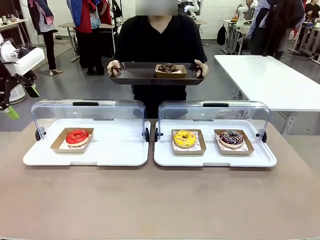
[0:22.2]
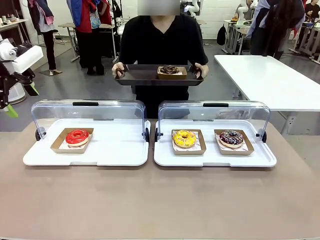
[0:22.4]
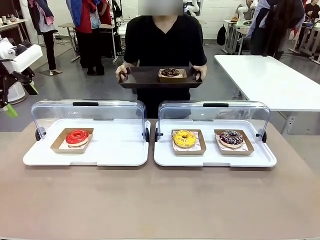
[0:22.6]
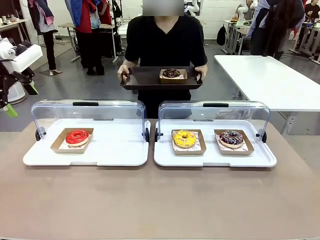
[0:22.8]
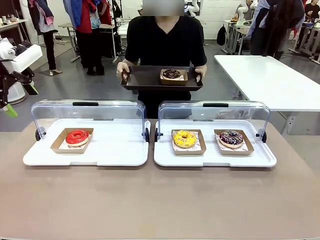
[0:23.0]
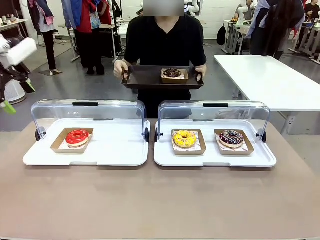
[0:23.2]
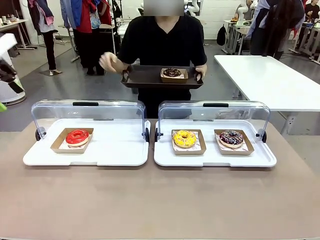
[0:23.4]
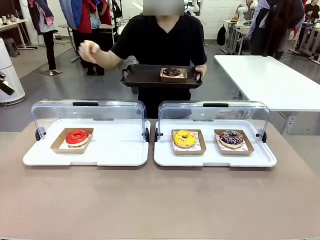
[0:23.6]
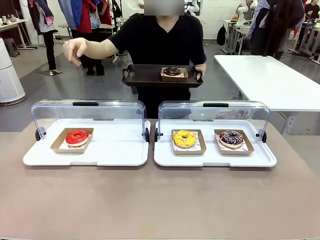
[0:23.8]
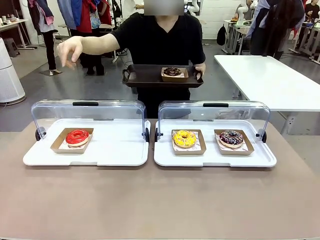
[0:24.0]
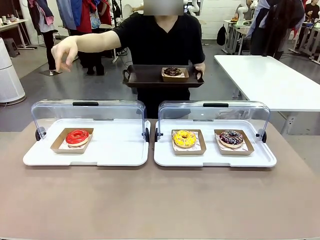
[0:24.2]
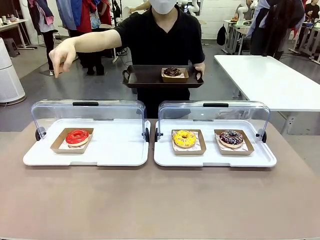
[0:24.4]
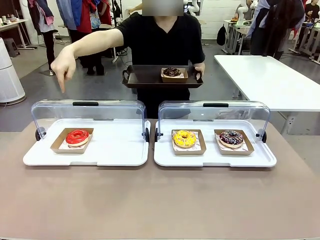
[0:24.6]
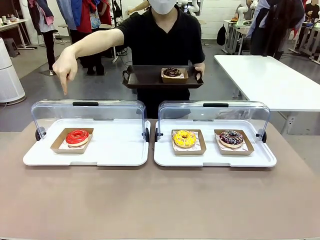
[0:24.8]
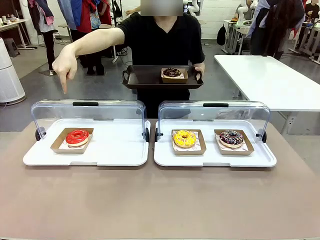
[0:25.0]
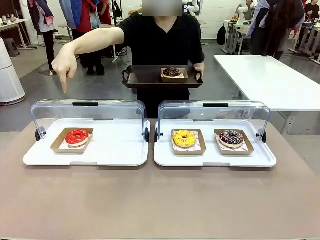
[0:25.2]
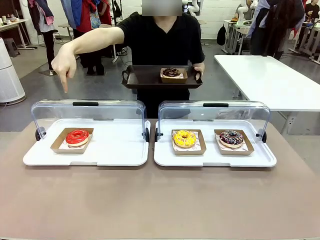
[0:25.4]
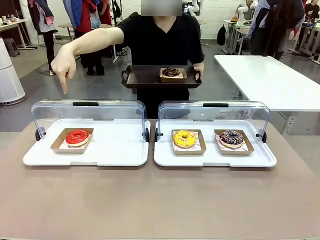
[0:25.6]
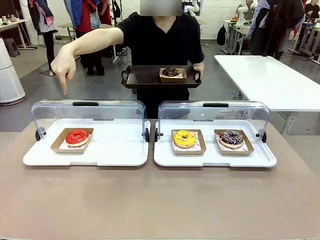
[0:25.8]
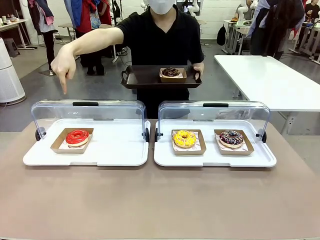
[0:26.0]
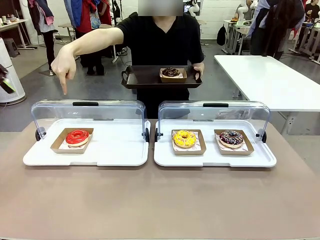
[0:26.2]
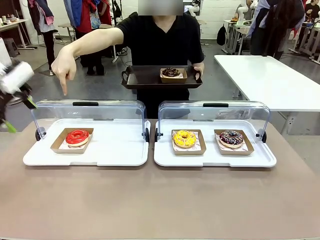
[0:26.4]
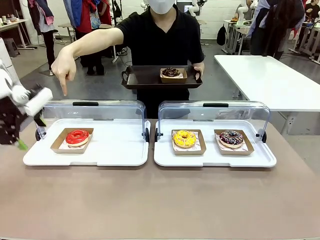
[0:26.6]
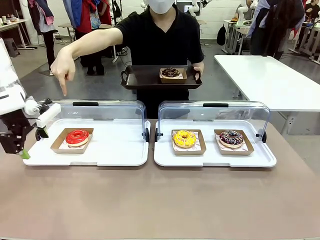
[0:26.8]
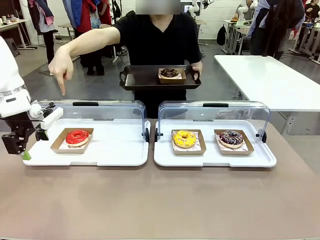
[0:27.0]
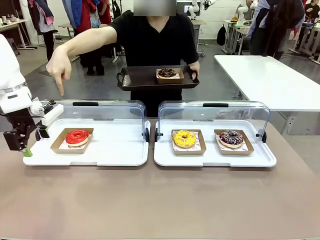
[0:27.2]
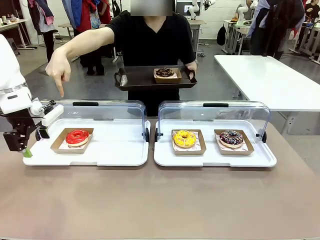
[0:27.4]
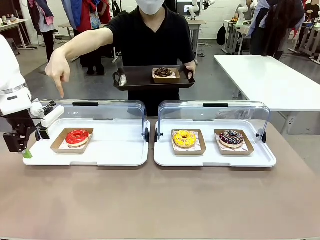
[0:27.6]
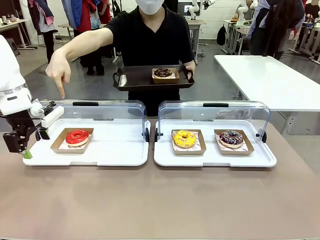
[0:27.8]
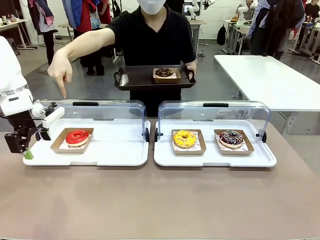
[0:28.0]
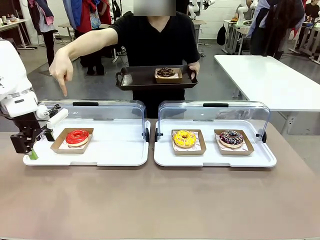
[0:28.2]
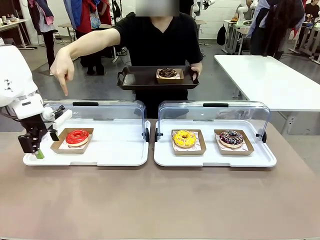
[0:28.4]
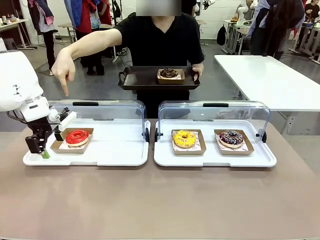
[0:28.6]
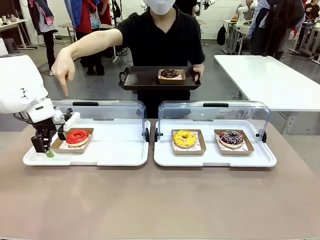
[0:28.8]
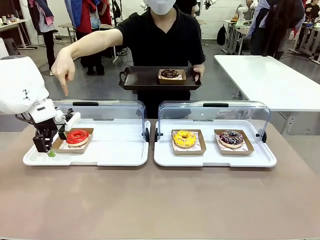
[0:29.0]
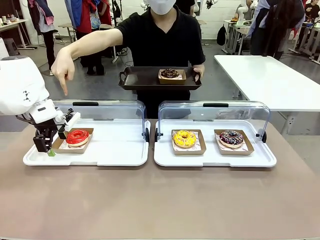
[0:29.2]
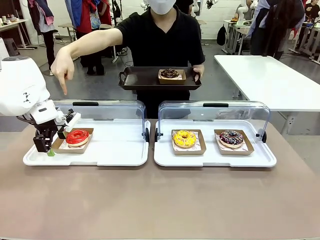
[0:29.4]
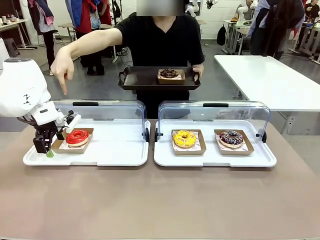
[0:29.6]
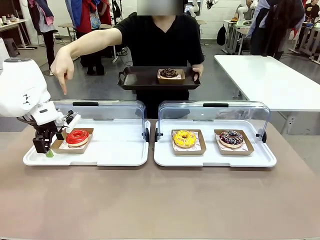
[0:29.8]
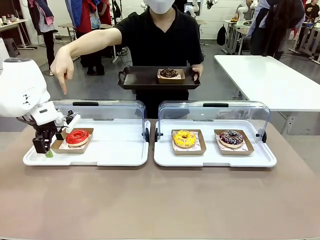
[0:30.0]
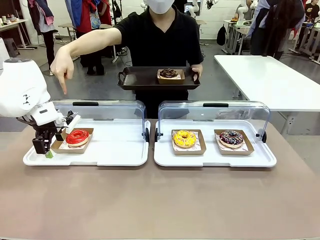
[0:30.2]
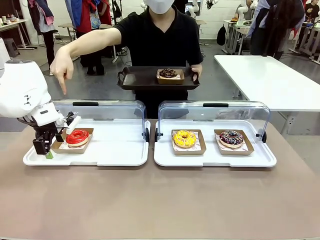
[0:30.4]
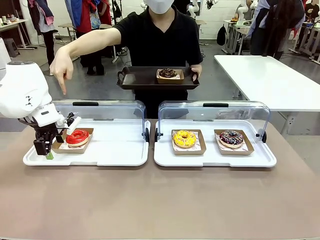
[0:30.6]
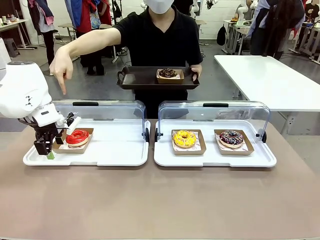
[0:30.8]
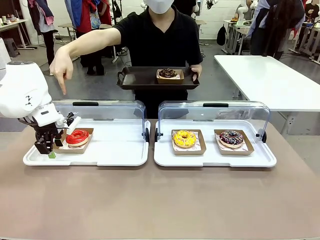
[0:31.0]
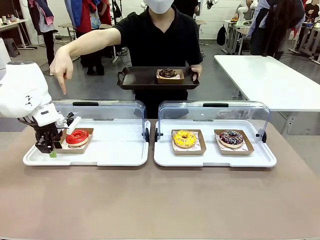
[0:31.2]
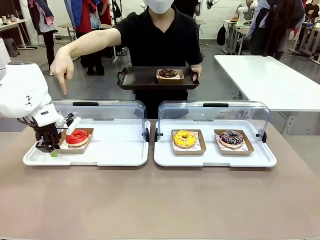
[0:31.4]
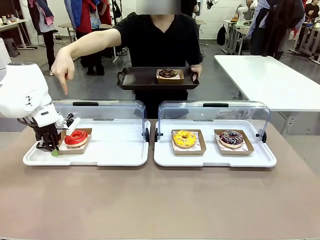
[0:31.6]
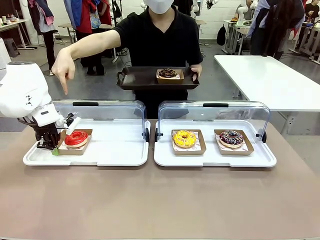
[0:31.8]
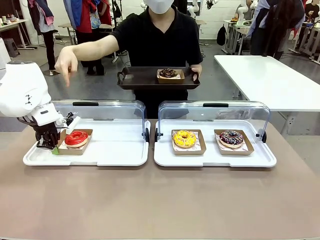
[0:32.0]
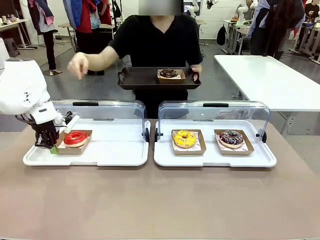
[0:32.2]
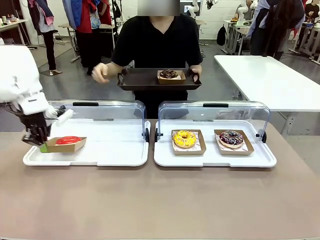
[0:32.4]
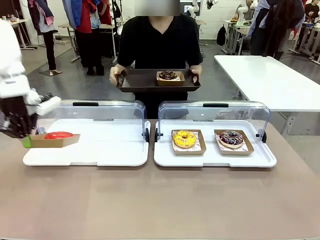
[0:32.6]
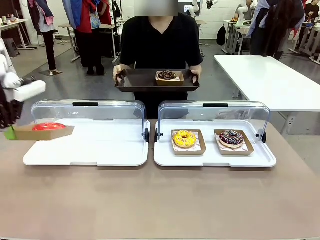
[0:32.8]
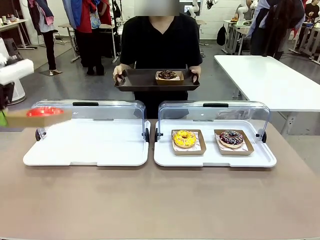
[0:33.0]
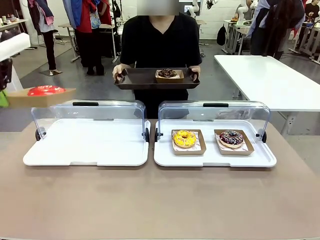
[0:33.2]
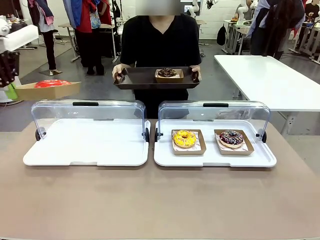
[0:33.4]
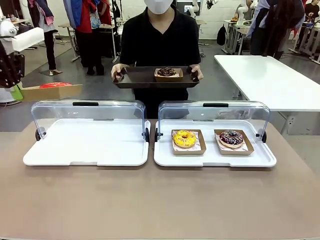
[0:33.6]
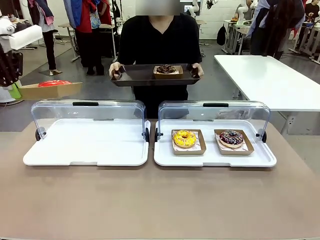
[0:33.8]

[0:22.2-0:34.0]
Task: Provide the desired donut to the person.
Robot: Pick up and lift the Paper togo box containing the Donut pointed at by the person.
Person: Point to one donut. Lift the tray onto the Roll-Top Bakery Case.

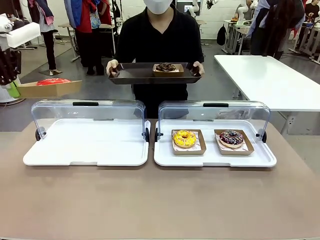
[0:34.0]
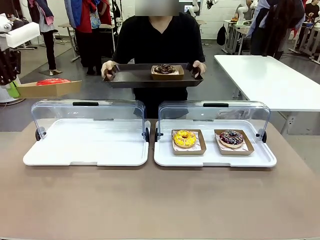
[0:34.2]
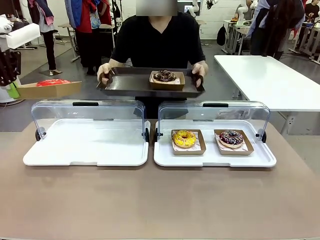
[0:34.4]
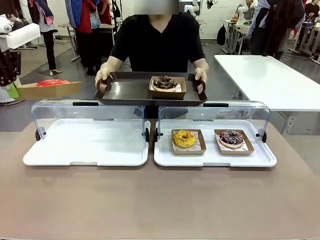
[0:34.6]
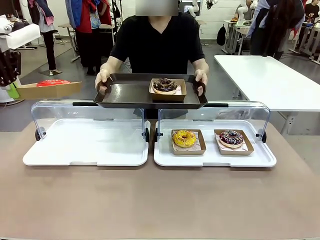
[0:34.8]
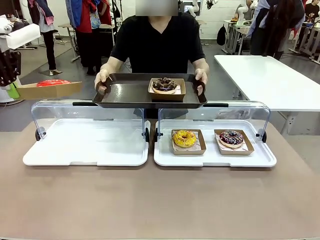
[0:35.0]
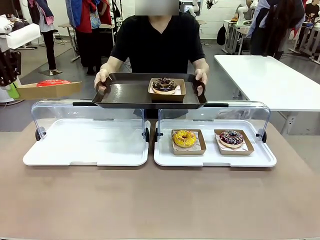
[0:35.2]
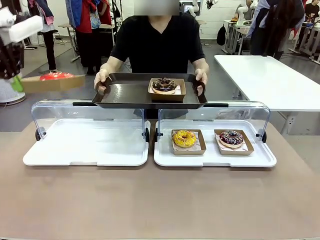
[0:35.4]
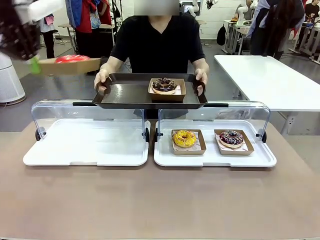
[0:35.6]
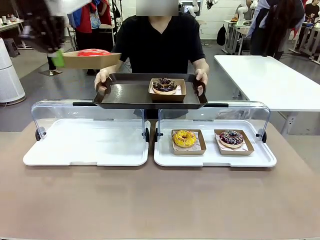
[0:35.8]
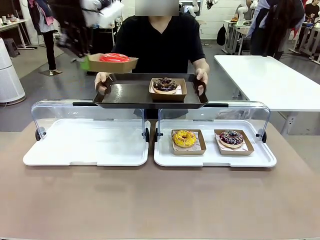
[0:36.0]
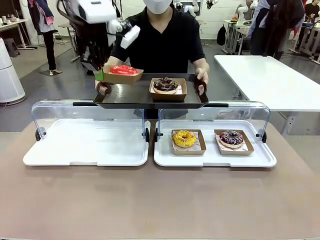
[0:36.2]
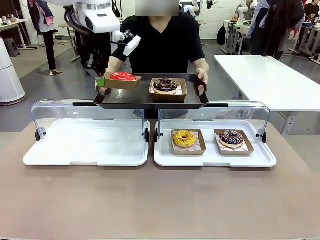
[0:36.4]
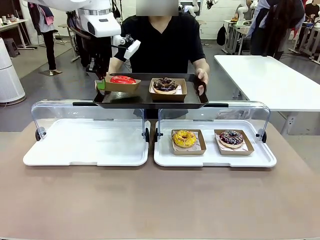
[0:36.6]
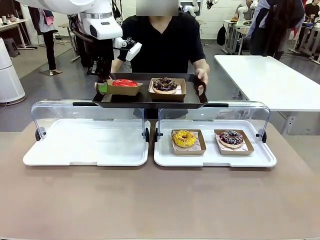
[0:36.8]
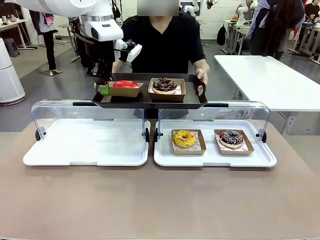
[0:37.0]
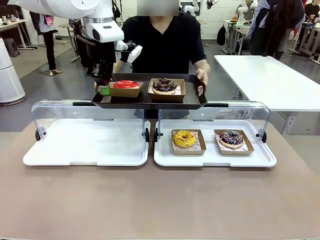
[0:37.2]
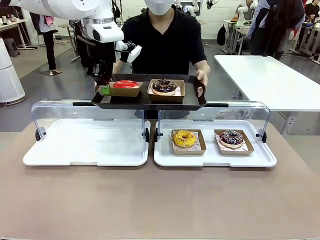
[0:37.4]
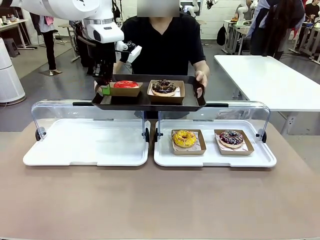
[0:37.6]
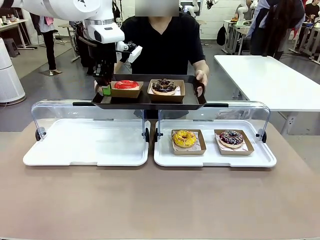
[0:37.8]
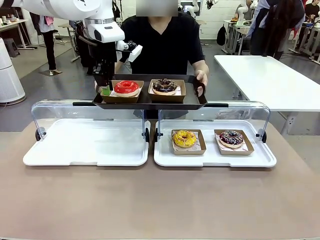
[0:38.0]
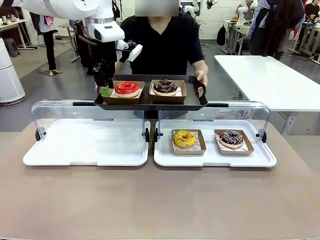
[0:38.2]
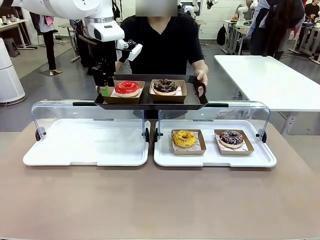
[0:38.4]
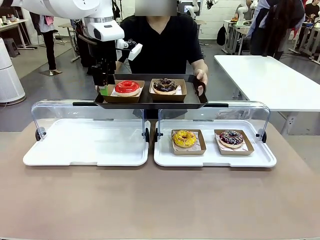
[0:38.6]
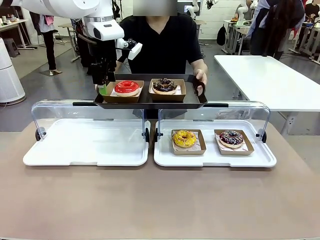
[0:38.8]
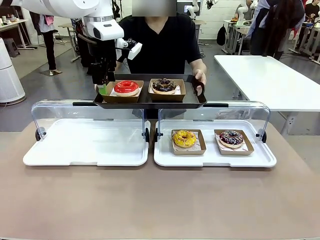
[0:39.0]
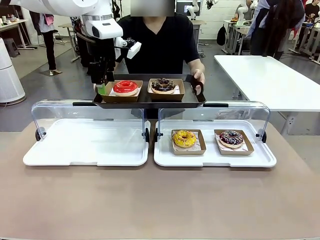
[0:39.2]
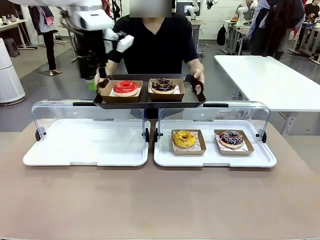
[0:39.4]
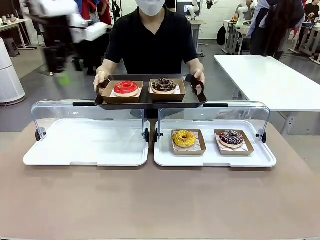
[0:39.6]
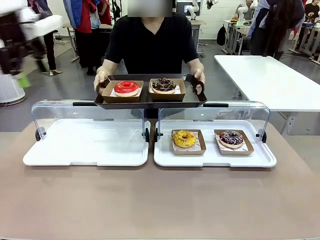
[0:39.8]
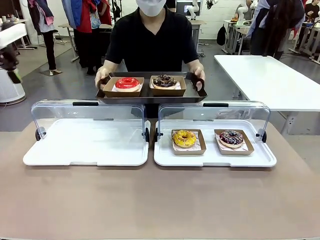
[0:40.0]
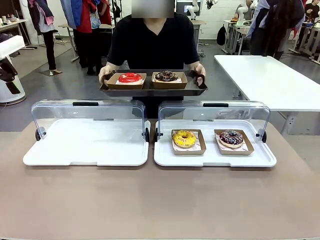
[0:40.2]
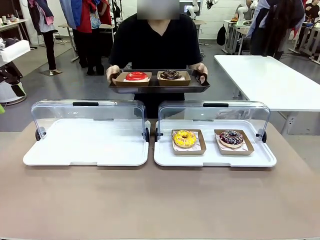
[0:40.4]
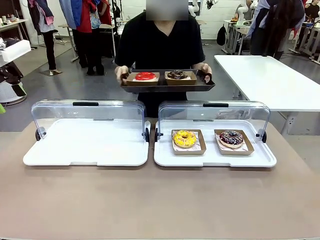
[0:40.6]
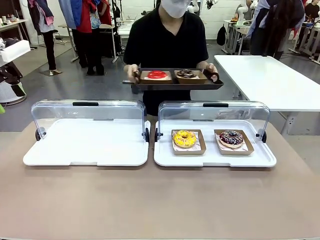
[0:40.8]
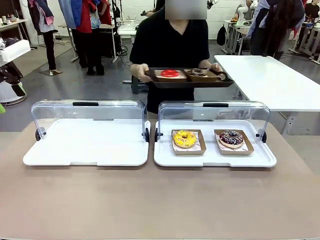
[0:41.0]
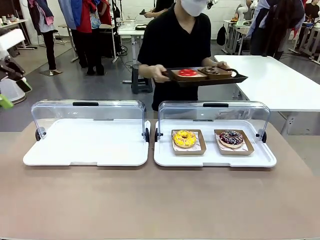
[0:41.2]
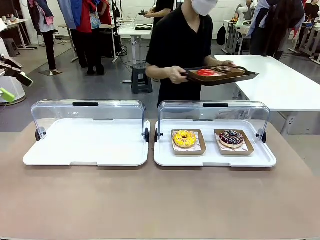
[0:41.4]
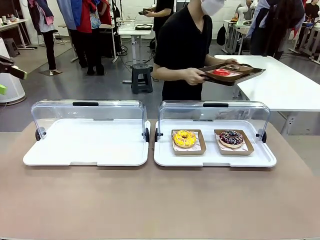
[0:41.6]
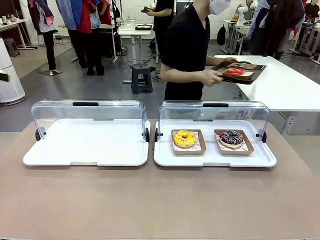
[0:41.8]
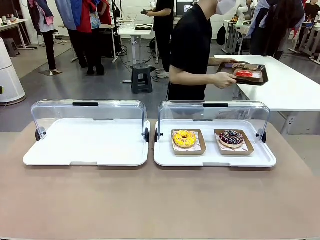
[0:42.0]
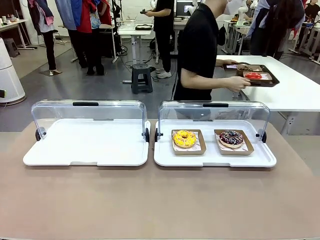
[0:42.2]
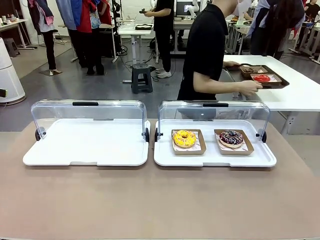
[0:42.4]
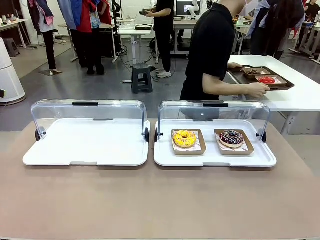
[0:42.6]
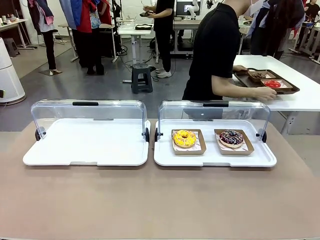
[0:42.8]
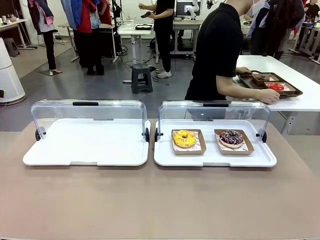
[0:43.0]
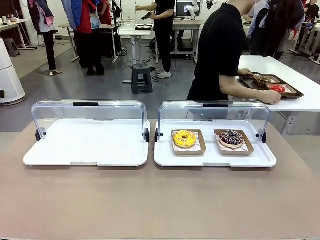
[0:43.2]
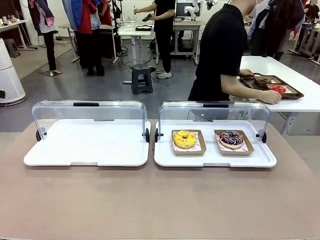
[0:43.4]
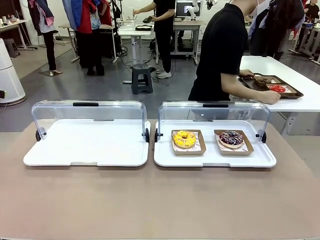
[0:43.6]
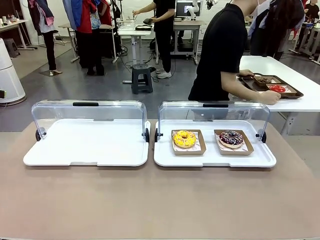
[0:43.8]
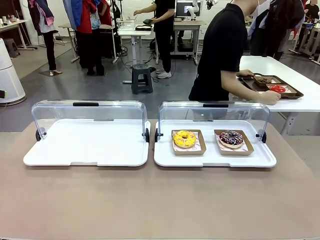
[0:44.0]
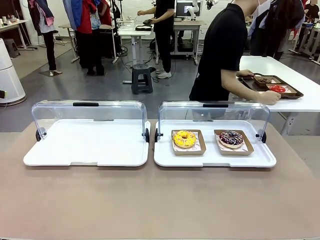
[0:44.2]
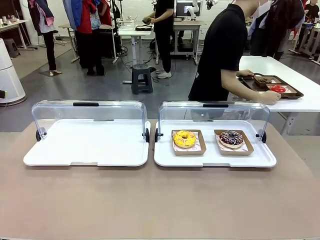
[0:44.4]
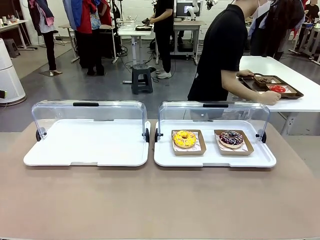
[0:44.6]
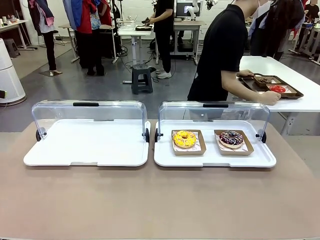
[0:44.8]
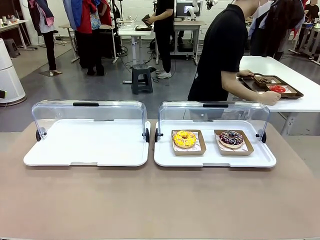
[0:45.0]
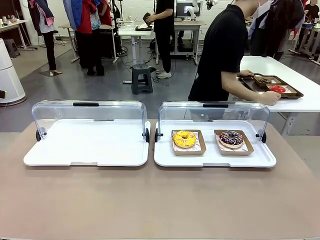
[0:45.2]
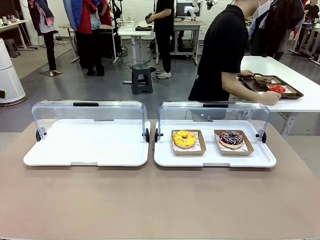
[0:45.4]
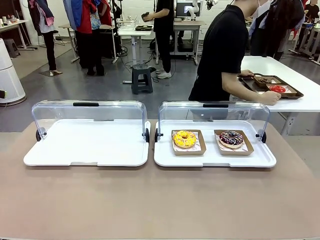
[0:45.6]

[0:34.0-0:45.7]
Robot: Place the picked Paper togo box onto the Handle tray extended by the person.
Person: Place the tray in the middle of the human table.
